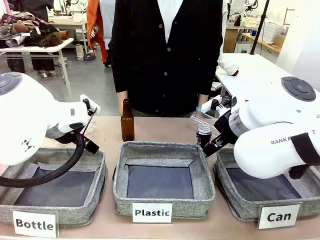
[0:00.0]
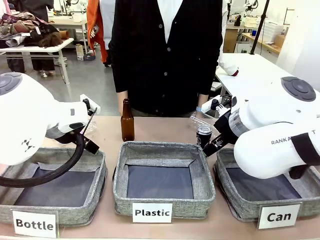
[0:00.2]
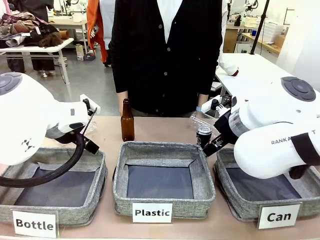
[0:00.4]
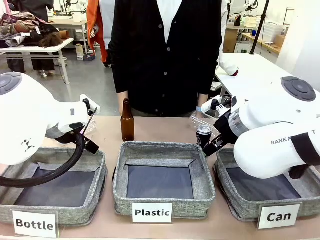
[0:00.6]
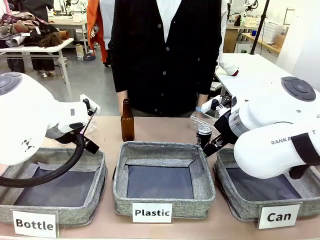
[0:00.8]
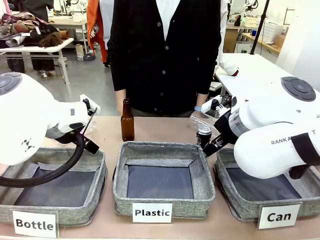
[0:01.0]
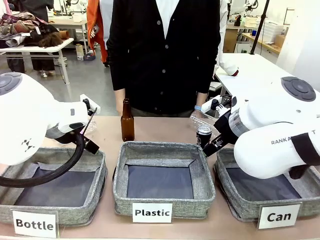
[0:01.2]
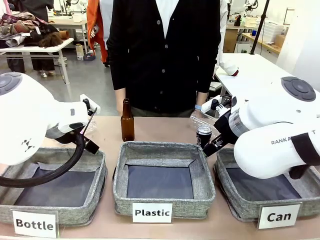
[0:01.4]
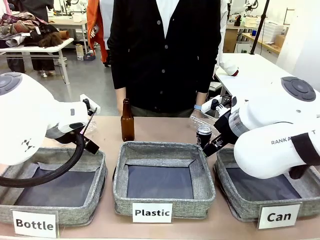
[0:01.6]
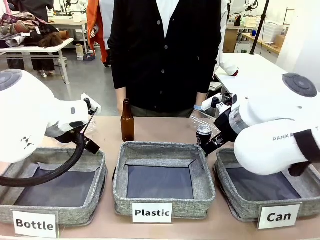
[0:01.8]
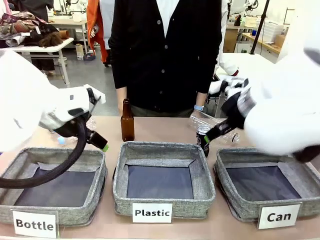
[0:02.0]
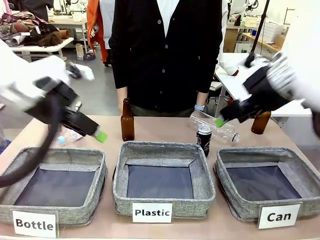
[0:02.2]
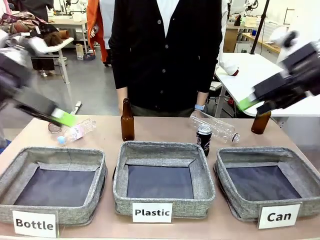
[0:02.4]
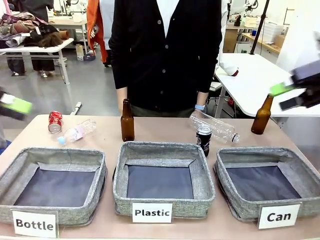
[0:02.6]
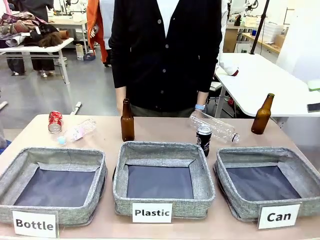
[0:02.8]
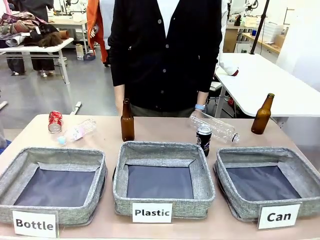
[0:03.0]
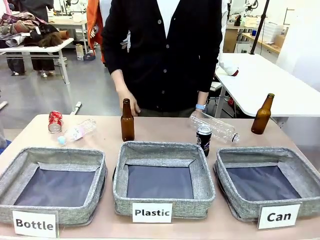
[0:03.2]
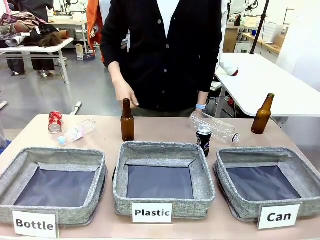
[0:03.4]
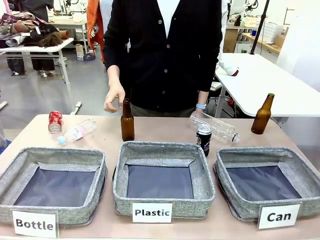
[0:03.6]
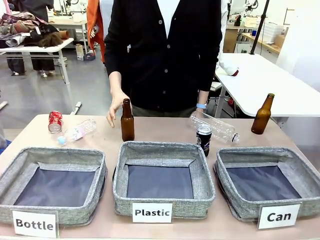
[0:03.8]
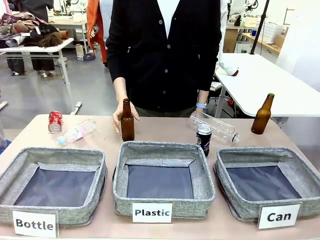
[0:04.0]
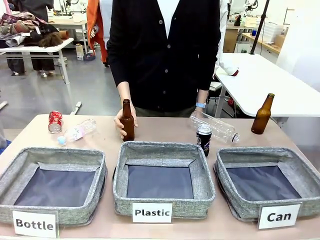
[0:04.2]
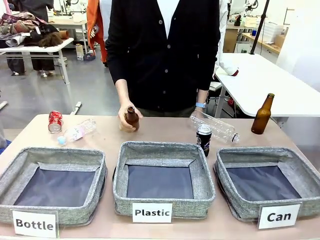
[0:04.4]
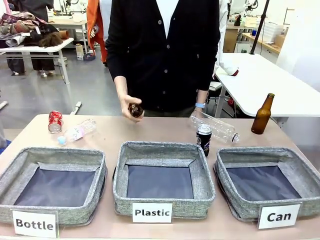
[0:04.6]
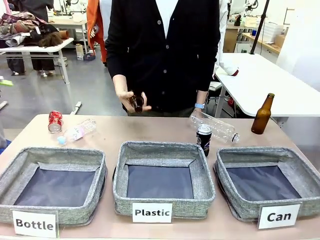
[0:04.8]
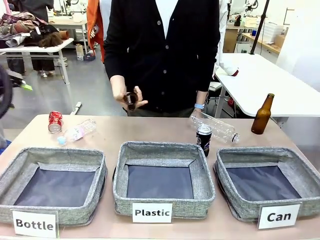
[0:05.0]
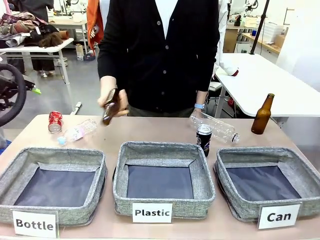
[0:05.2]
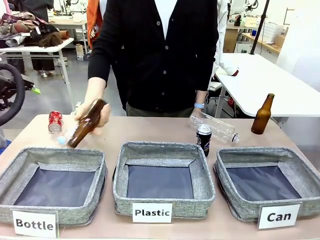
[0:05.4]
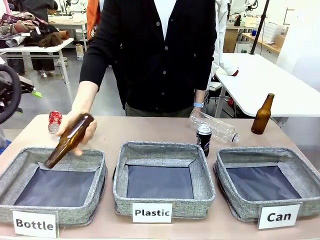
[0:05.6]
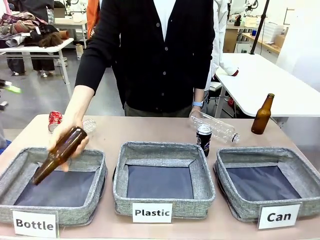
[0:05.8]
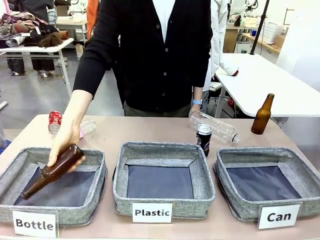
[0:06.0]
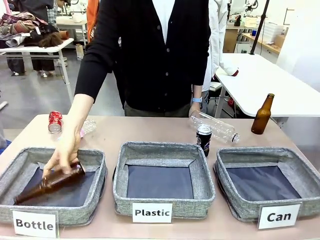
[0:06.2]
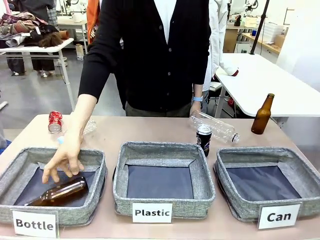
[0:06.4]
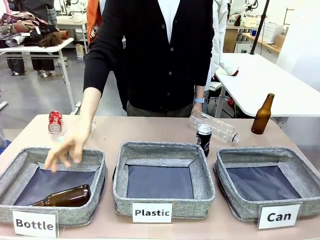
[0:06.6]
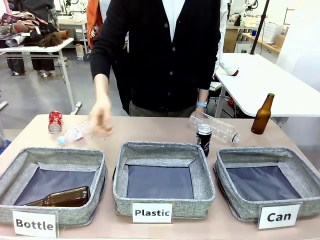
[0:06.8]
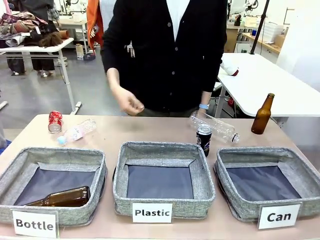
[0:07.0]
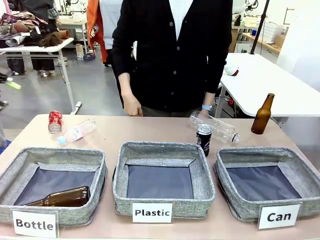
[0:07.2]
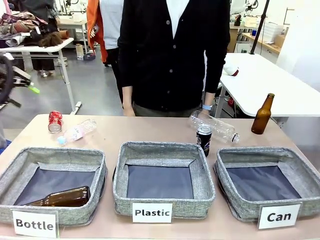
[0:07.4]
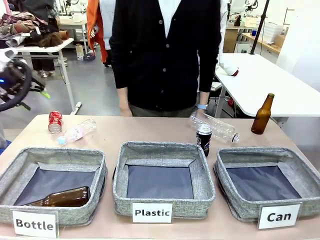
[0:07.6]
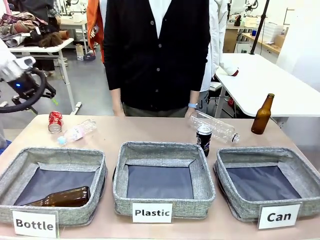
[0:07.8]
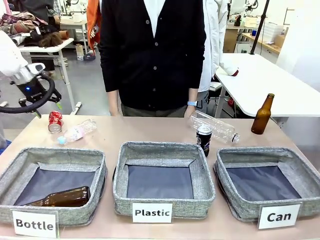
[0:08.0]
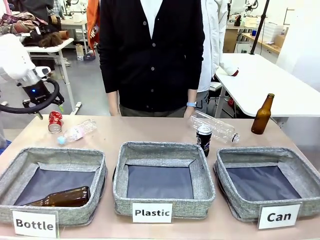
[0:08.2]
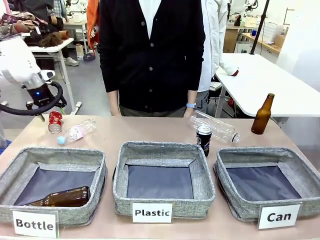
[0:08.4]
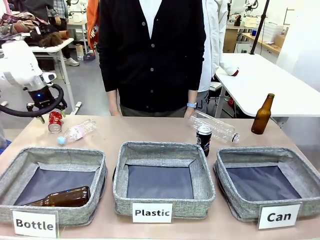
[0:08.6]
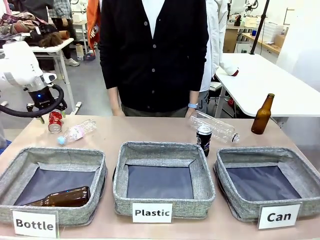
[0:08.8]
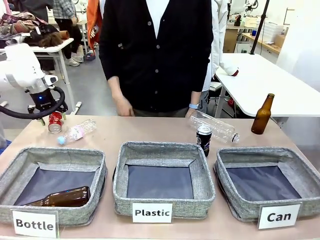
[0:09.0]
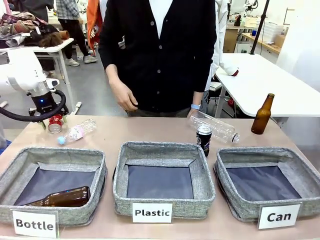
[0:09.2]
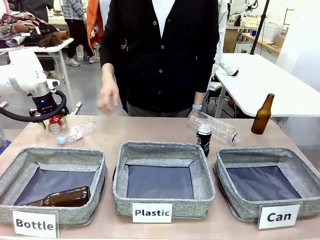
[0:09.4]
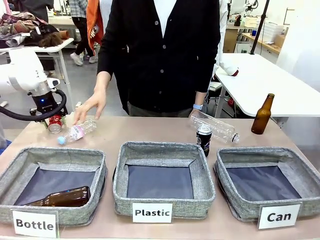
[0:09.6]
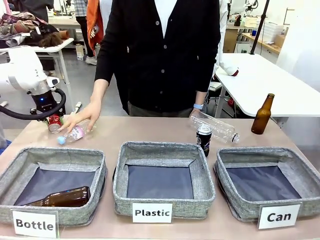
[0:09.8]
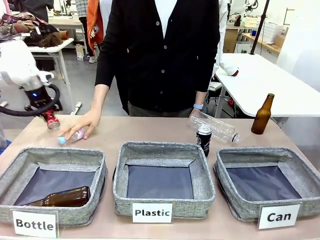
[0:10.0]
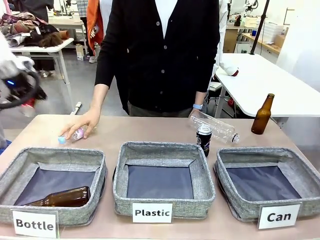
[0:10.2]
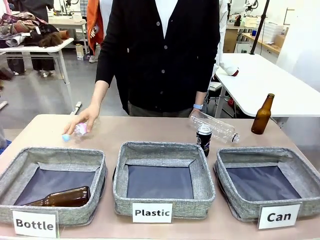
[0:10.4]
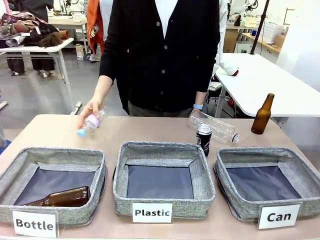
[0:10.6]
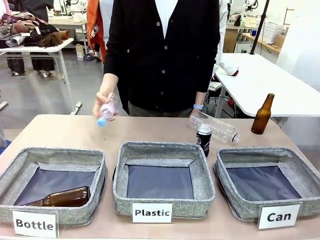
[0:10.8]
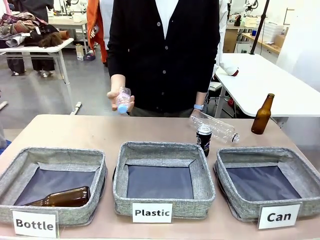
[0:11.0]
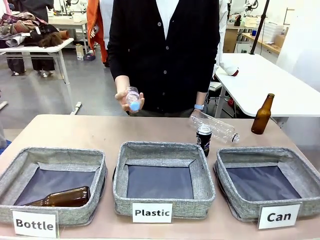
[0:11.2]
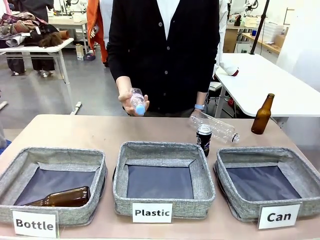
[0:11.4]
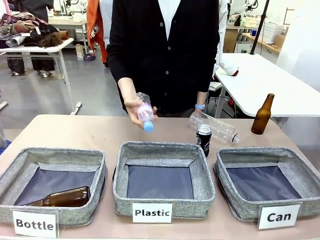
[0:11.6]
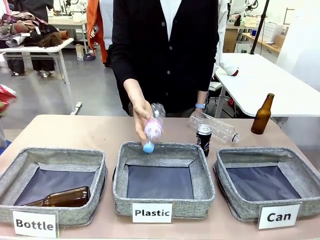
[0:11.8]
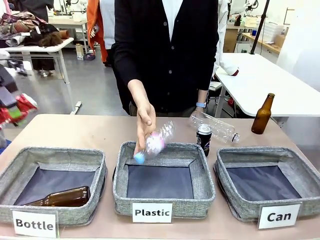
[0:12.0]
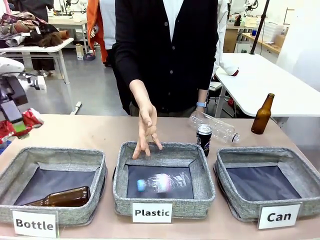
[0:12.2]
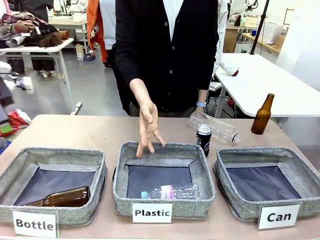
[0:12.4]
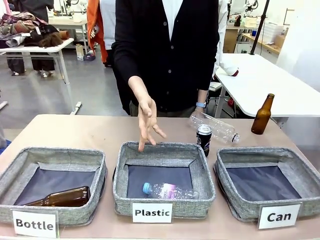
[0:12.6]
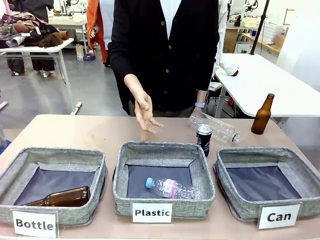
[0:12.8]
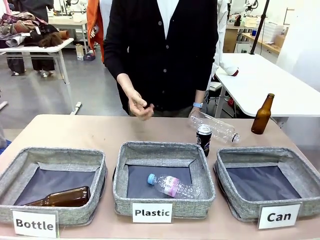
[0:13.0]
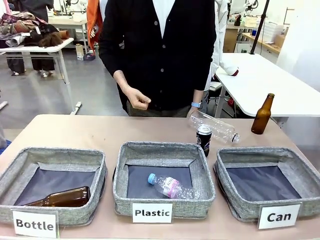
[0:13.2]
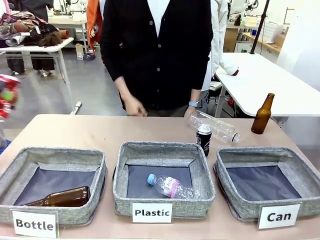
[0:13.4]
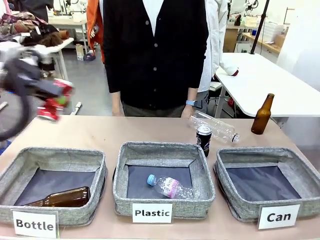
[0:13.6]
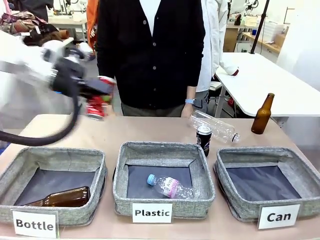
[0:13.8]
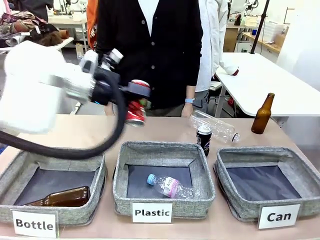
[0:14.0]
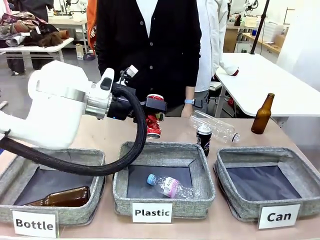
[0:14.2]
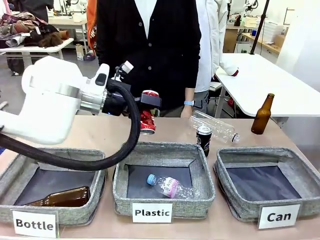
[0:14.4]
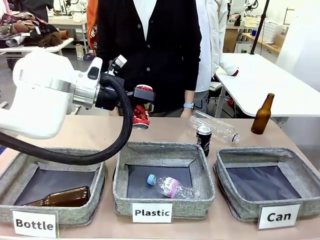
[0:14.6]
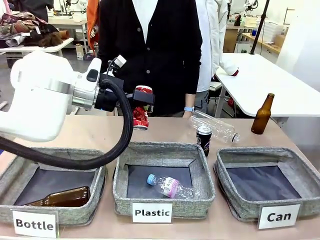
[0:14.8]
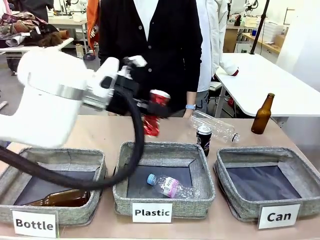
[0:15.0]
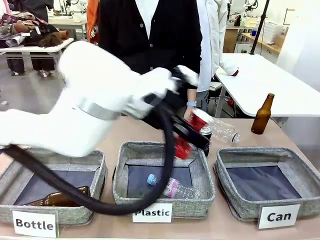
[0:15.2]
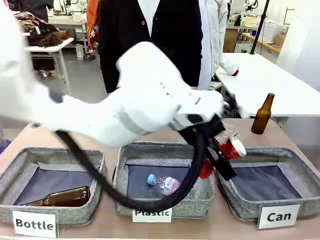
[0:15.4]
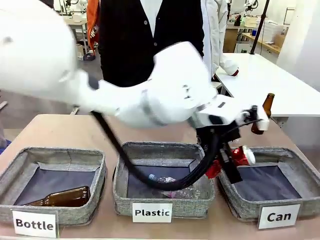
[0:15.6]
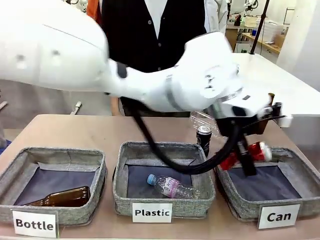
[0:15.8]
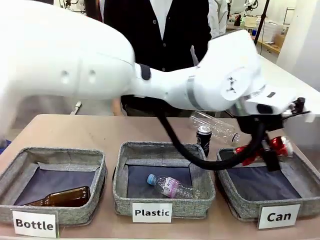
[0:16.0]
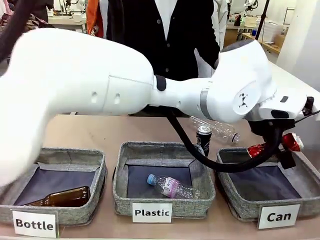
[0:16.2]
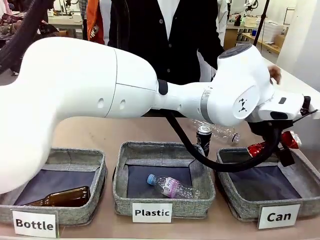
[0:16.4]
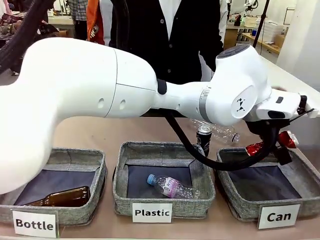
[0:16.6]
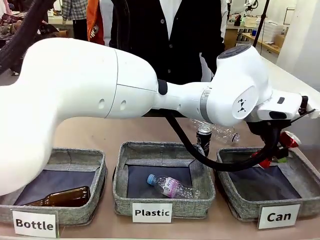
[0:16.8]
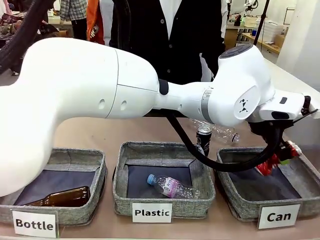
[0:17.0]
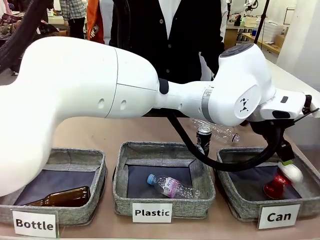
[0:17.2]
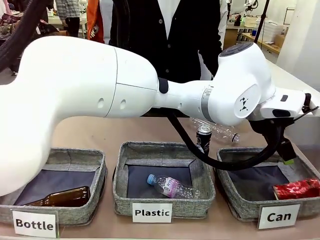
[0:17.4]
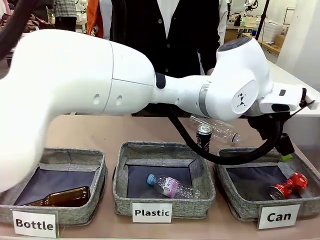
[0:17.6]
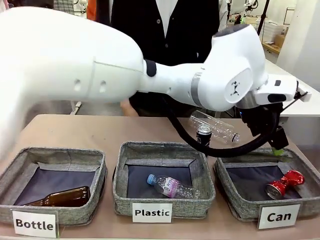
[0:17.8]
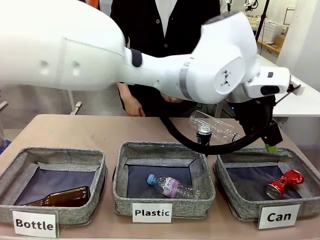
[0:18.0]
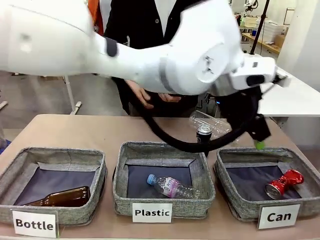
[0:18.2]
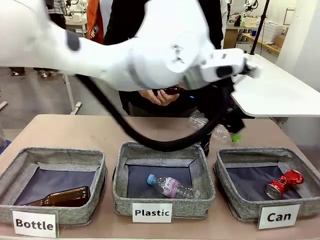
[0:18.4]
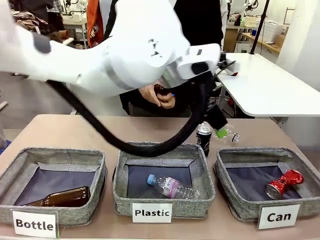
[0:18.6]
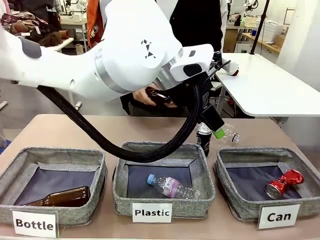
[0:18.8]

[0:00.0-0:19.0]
Task: Sort the can waste into the basket.
Robot: Pick up the can waste from the table and place it in the right Fabric basket.
